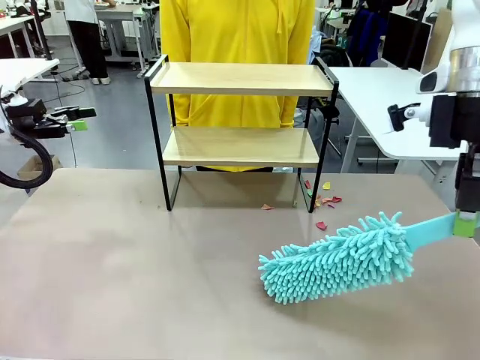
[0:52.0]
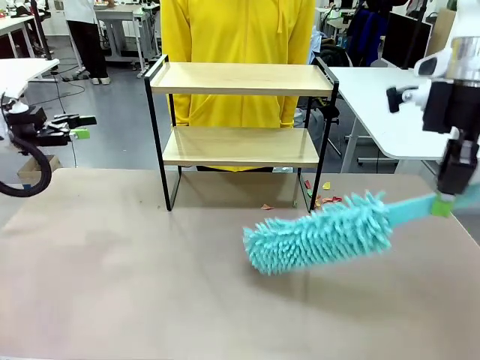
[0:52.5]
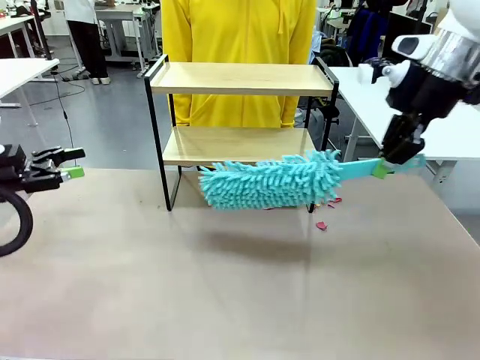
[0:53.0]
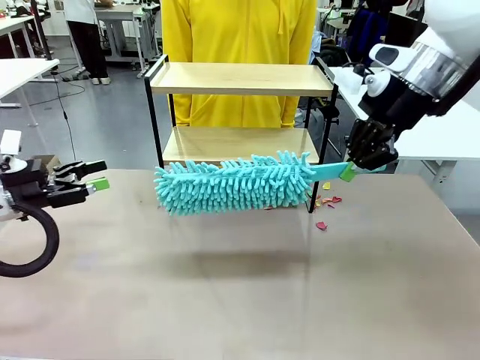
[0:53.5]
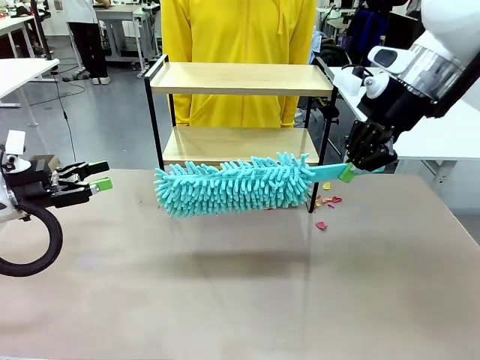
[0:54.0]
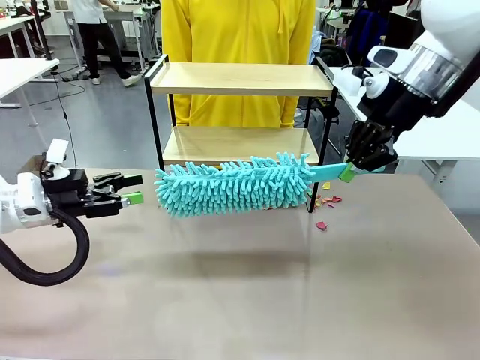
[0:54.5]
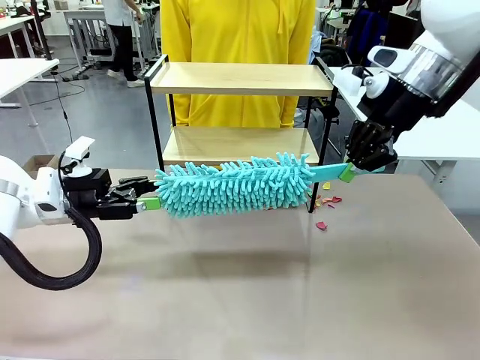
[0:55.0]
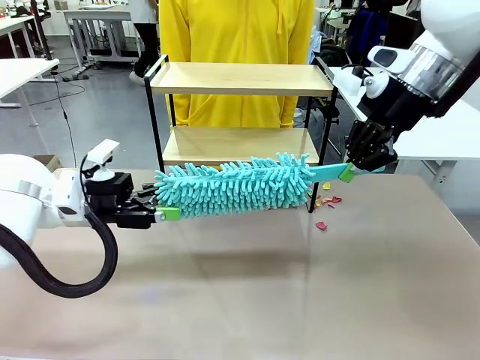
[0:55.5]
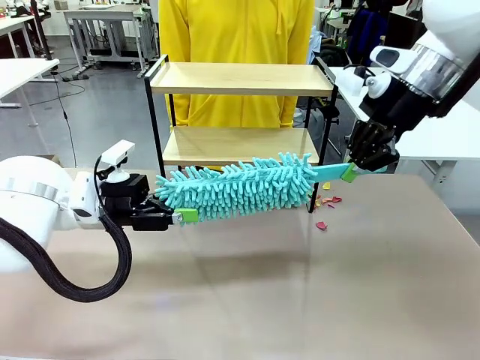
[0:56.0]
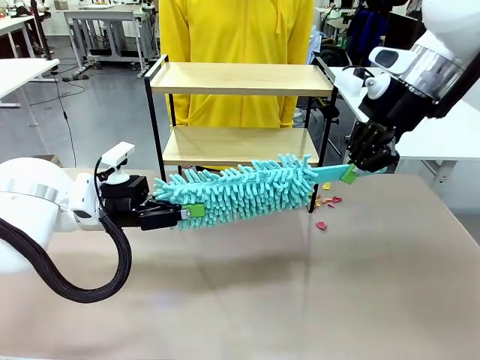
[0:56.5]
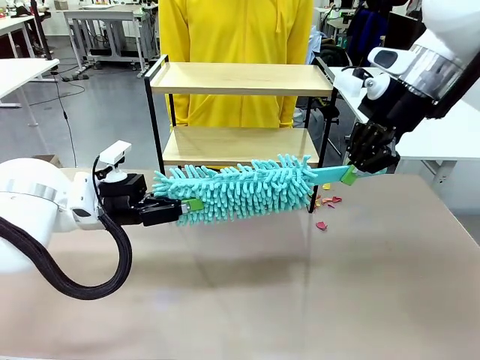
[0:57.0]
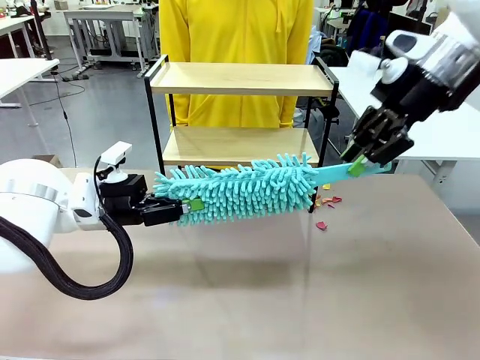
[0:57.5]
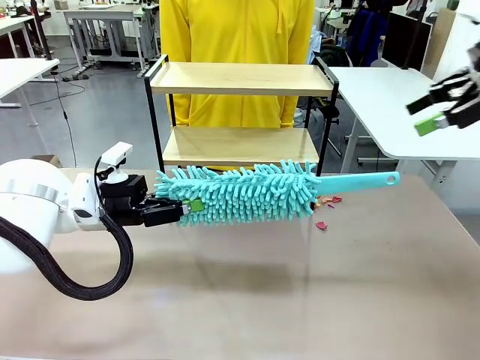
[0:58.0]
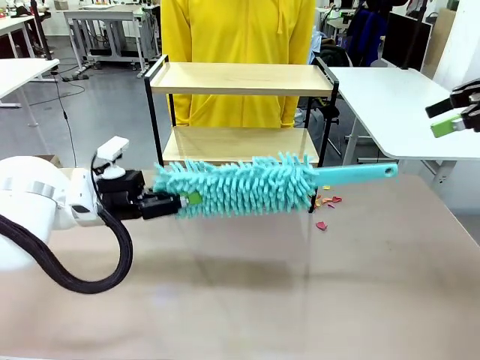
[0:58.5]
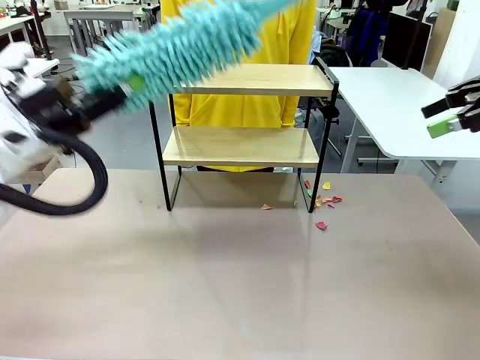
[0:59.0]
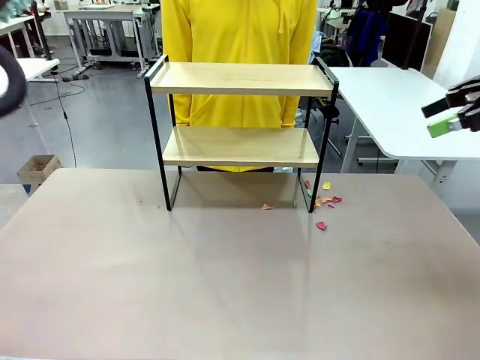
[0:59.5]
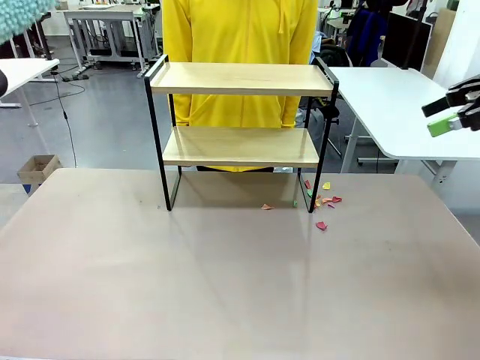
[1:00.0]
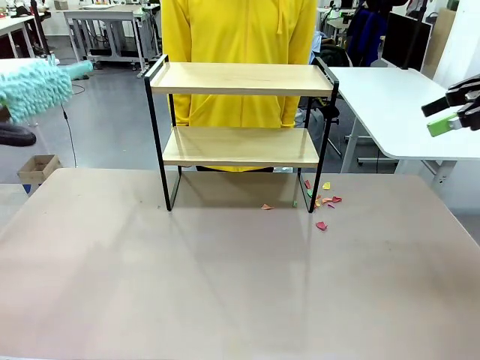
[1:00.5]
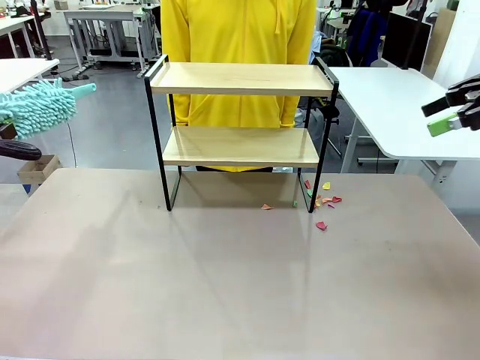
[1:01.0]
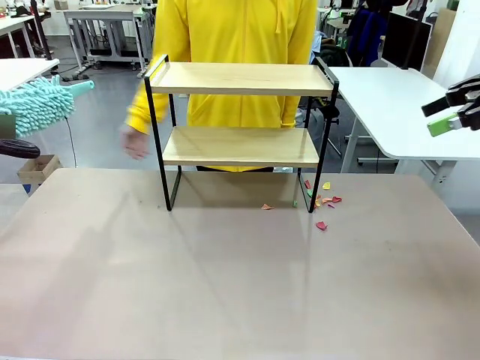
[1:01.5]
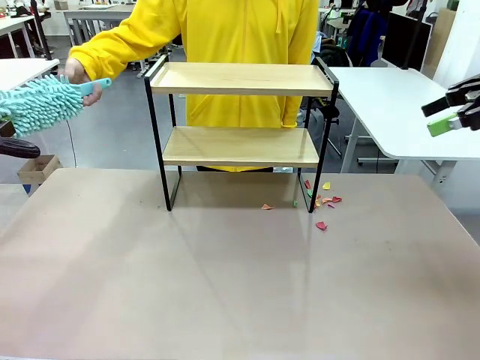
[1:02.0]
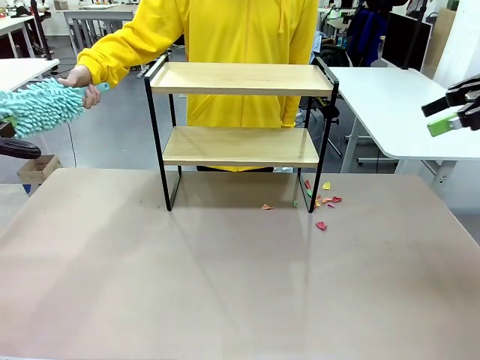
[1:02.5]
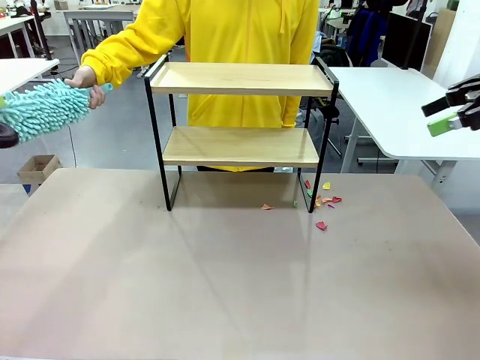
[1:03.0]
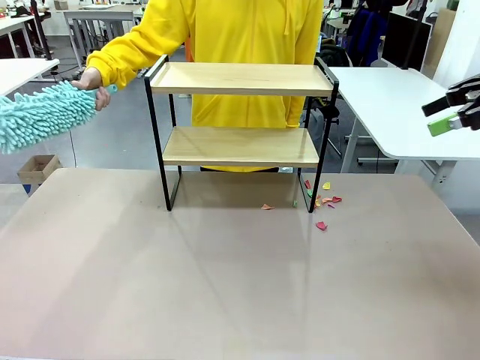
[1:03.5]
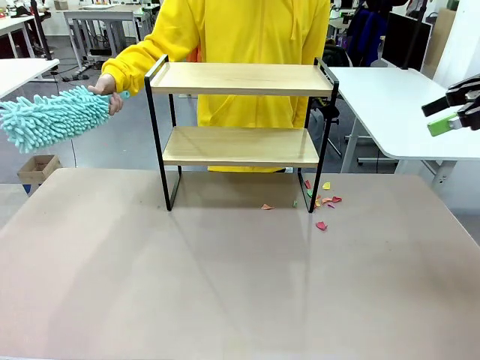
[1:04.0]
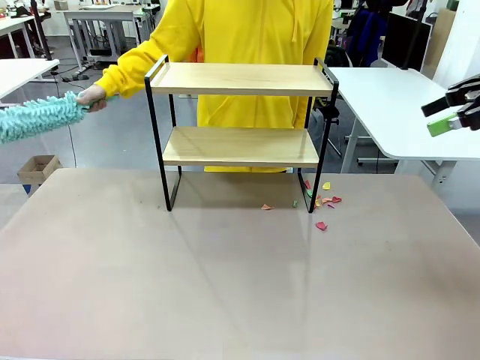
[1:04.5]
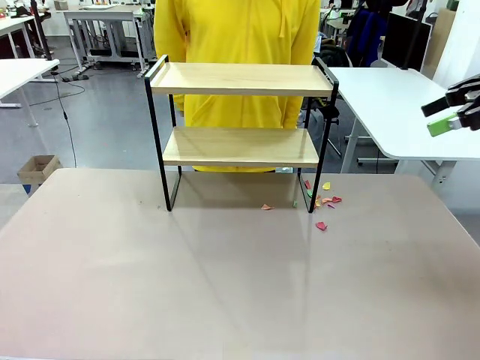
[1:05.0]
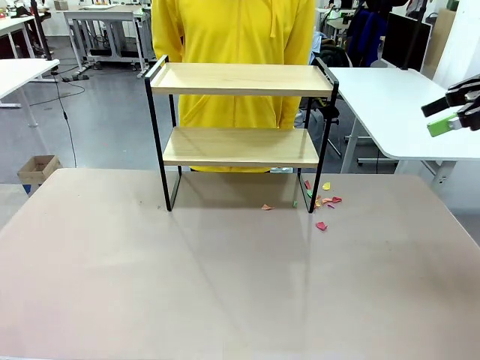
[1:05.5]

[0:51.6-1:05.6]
Task: Clean the shelf.
Robot: Hand the Duster back to the human.
Person: Receive the Duster from the robot.

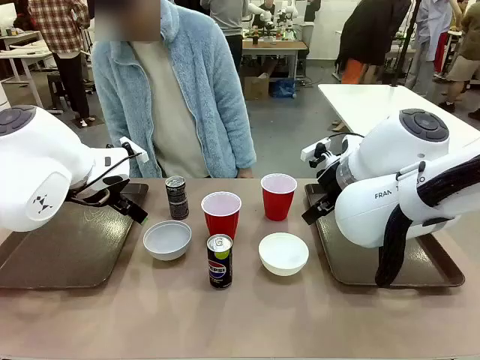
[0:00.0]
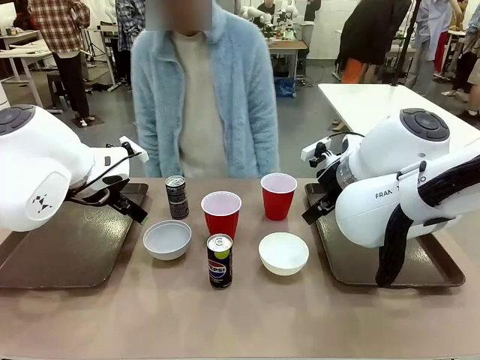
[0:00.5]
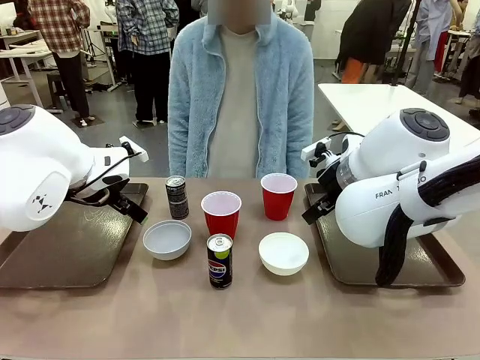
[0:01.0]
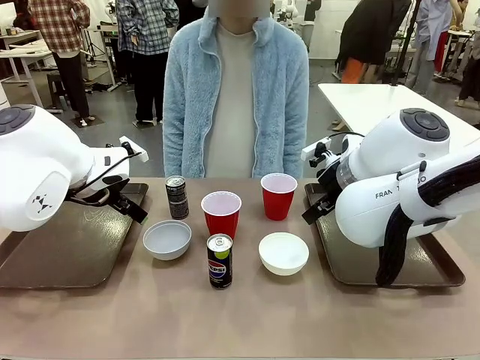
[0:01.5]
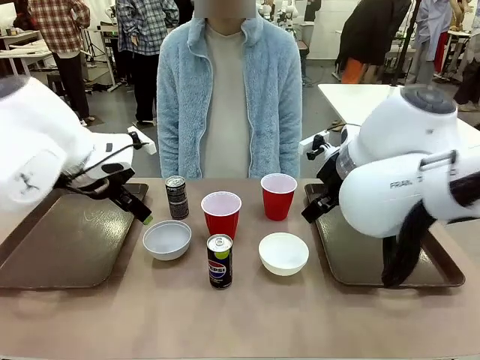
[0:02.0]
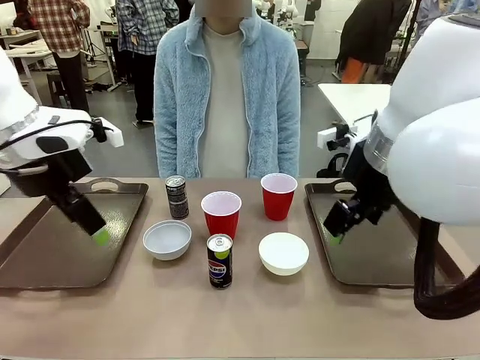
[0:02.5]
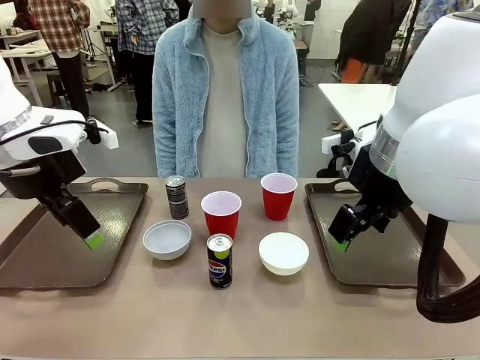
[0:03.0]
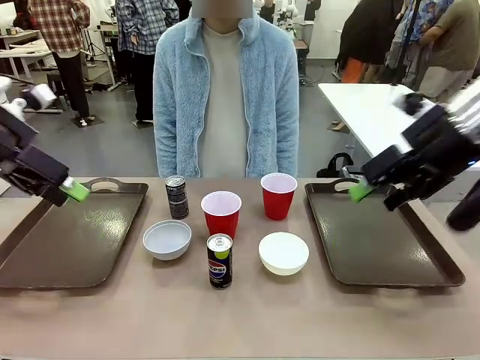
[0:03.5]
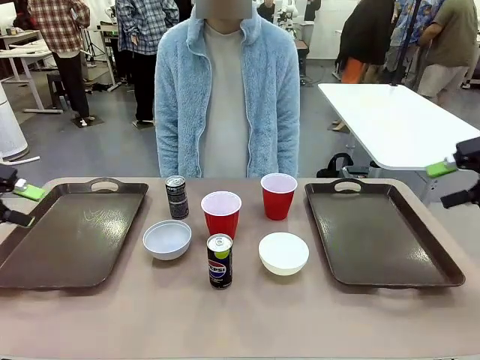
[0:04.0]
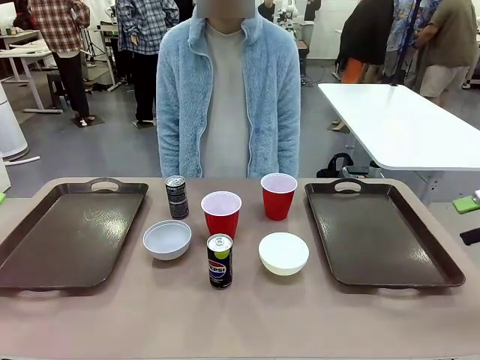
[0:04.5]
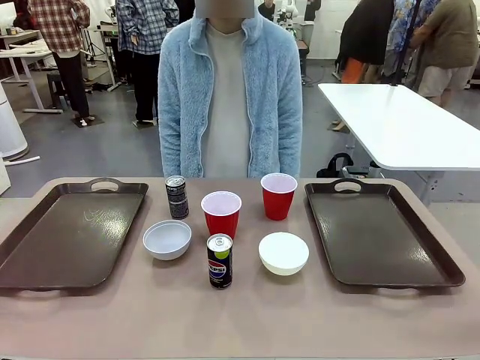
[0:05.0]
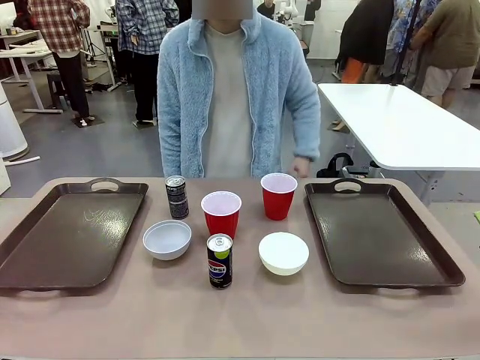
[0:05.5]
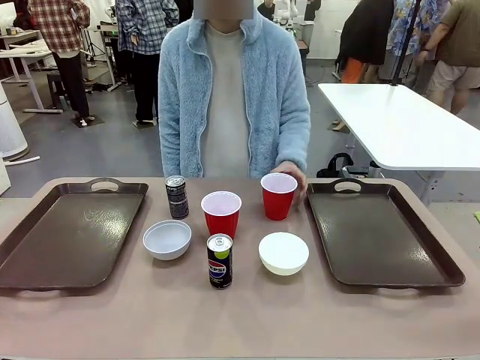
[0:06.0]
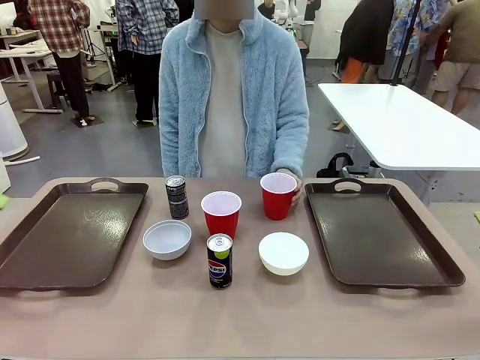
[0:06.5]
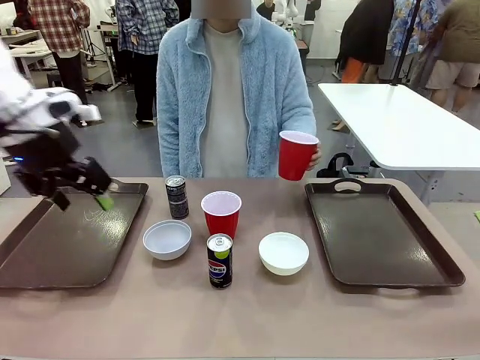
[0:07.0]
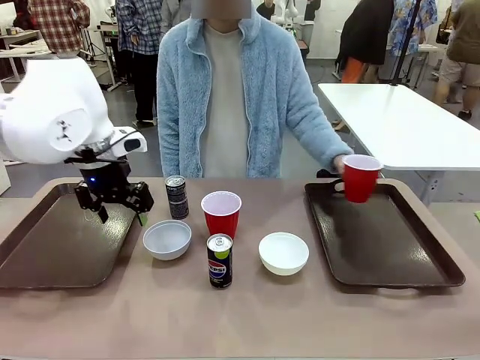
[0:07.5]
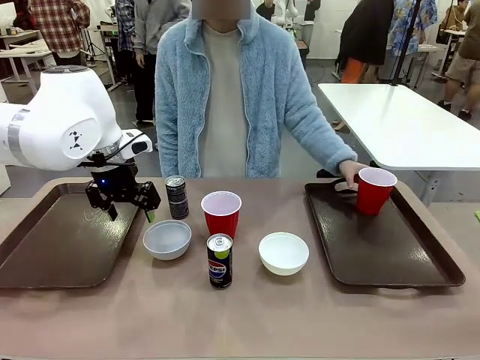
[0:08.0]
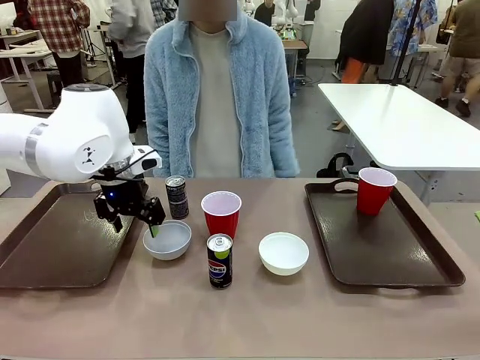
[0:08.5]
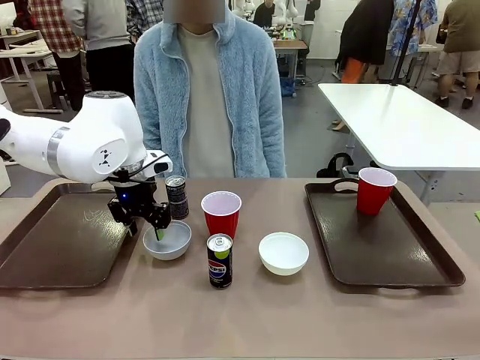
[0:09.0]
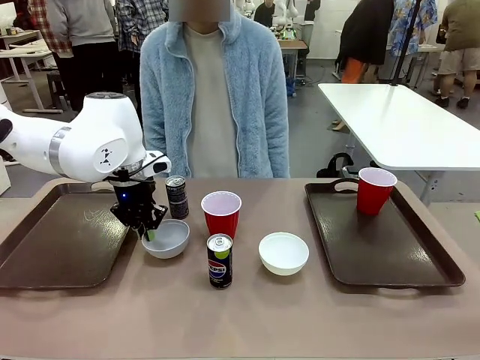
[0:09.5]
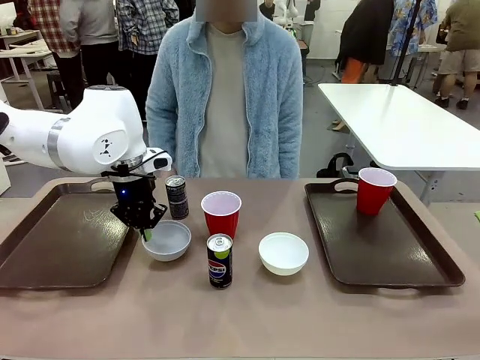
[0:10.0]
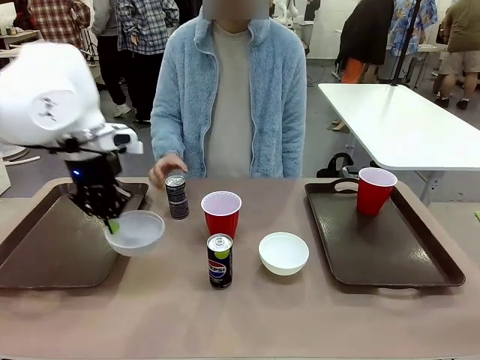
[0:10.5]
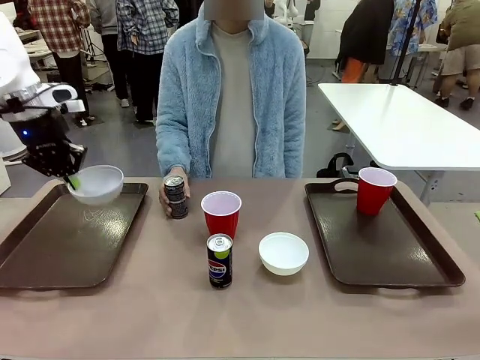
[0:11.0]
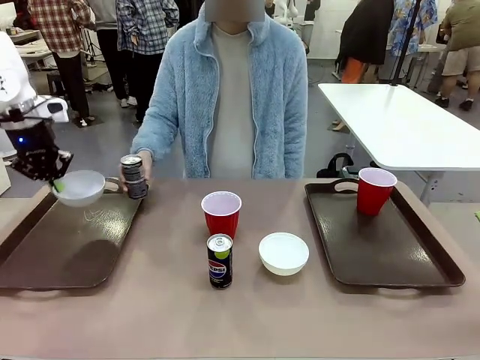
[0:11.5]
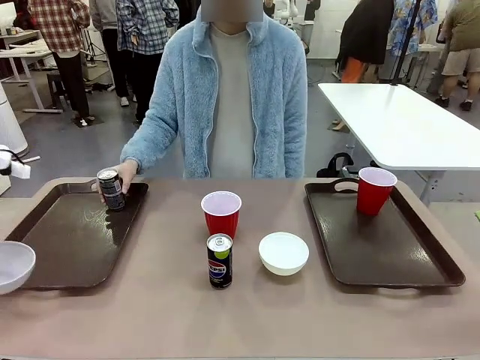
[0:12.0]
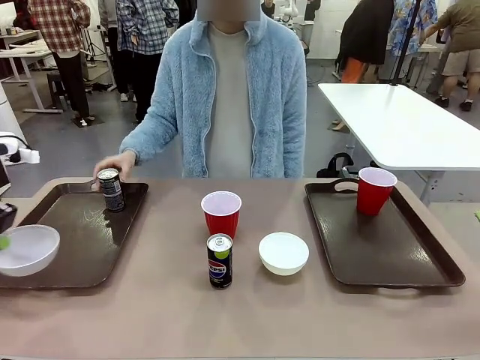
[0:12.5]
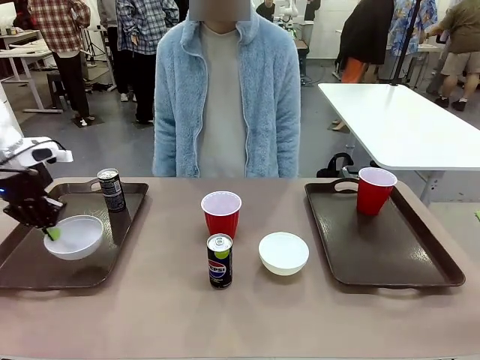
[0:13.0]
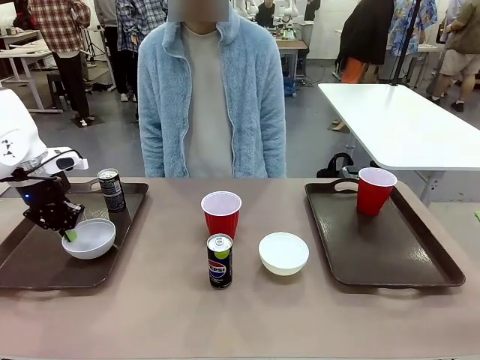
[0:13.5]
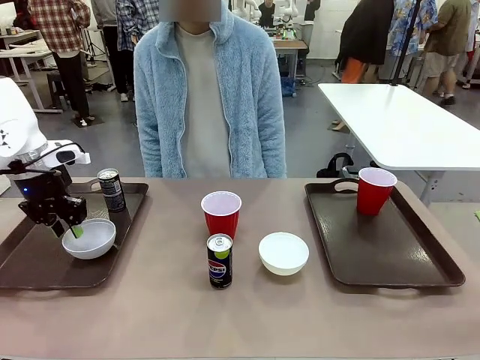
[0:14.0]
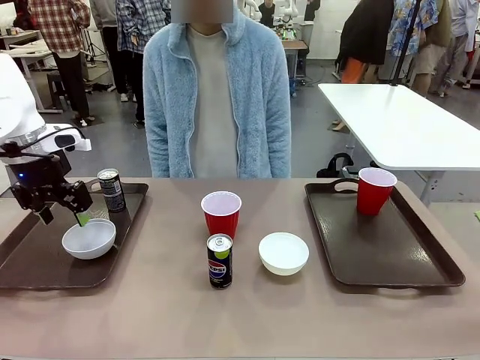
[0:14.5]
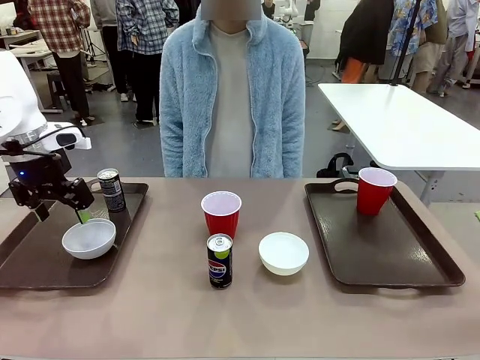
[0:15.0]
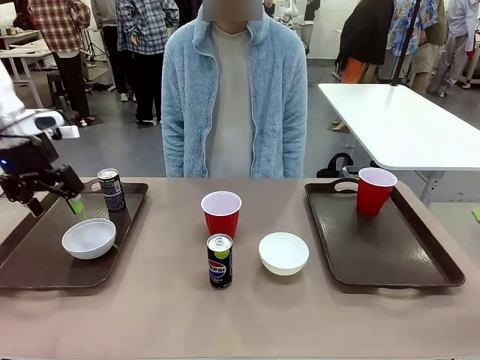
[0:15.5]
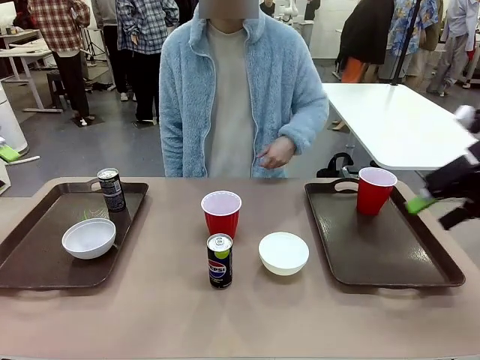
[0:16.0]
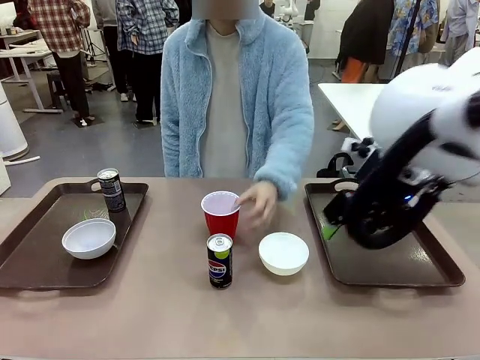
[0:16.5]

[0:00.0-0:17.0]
Task: Prepare tableware on both trays.
Robot: Pick up a Picnic Bowl from the table and place it on a Handle tray.
Person: Pick up a can or cup and place it on the tray.
